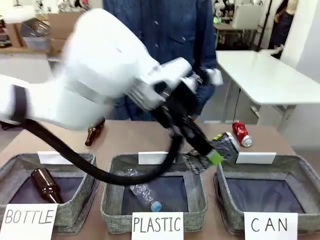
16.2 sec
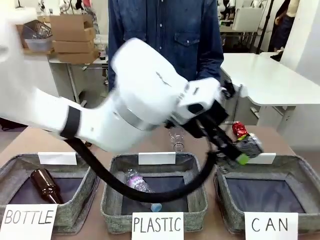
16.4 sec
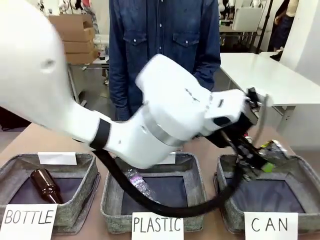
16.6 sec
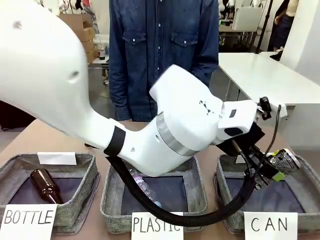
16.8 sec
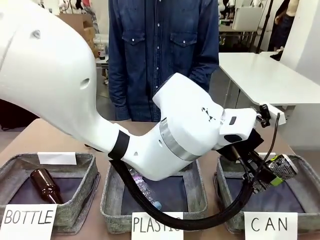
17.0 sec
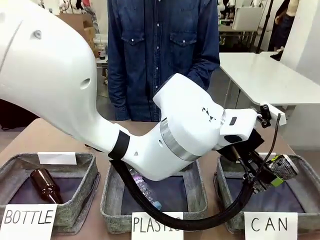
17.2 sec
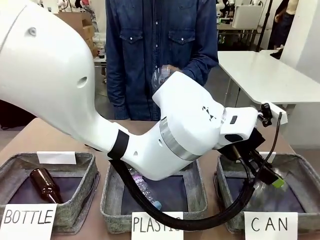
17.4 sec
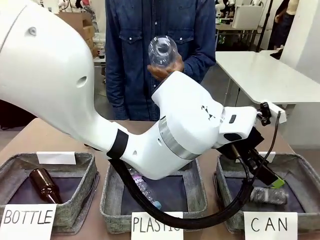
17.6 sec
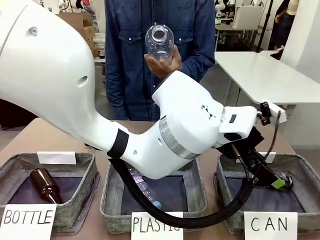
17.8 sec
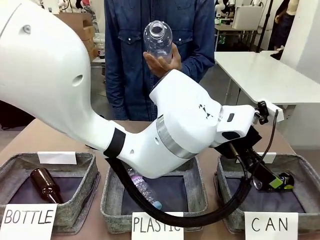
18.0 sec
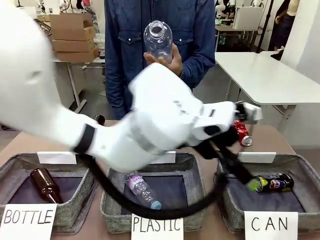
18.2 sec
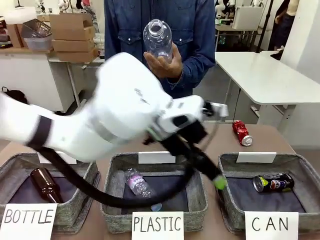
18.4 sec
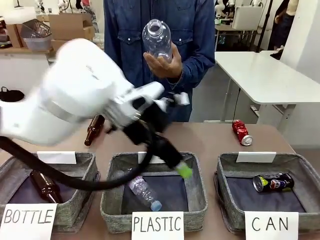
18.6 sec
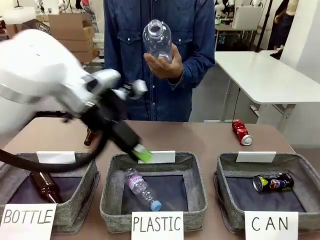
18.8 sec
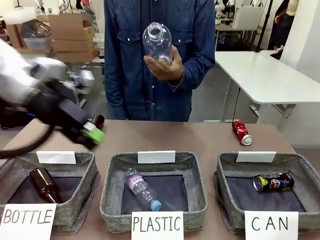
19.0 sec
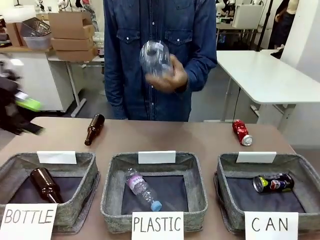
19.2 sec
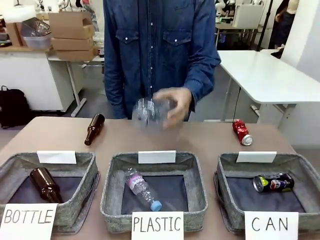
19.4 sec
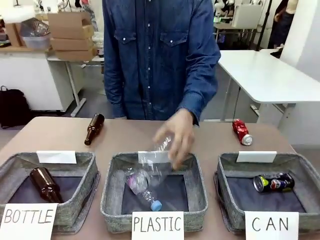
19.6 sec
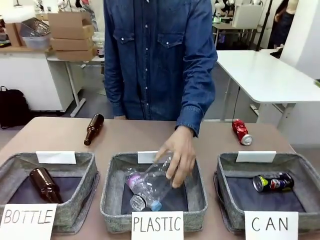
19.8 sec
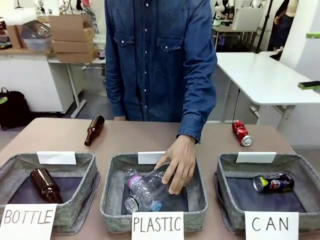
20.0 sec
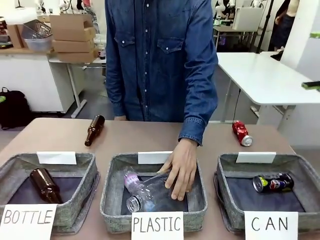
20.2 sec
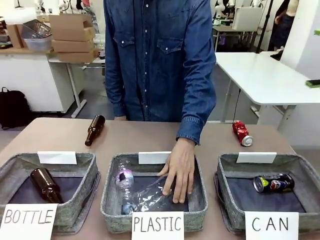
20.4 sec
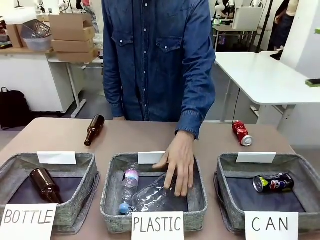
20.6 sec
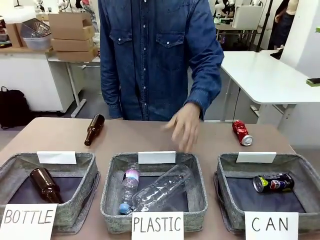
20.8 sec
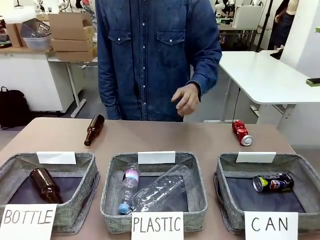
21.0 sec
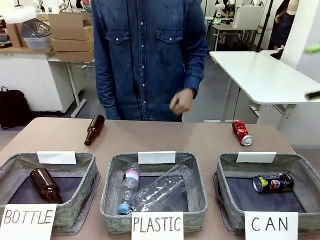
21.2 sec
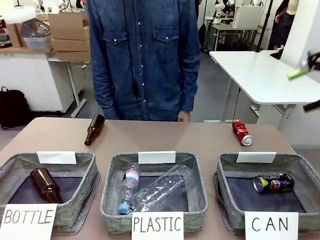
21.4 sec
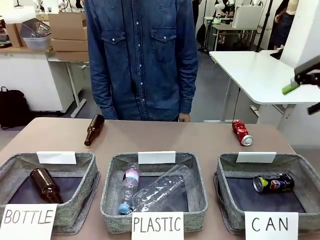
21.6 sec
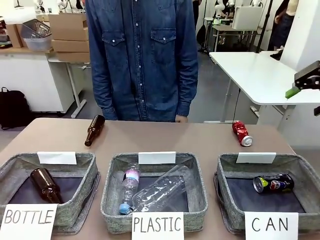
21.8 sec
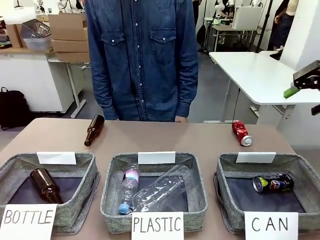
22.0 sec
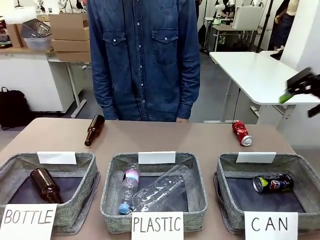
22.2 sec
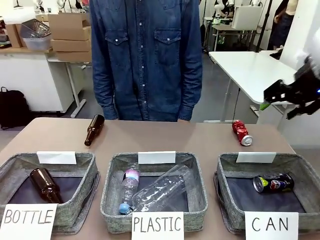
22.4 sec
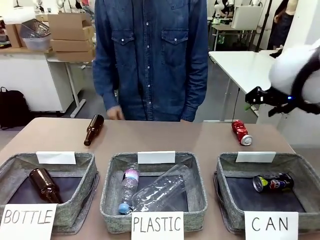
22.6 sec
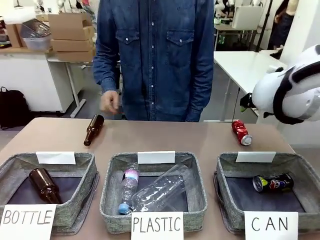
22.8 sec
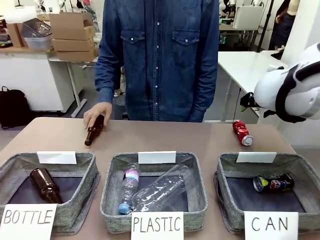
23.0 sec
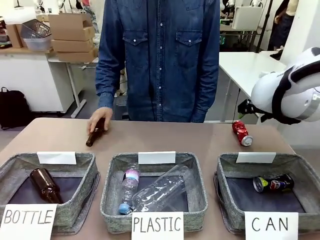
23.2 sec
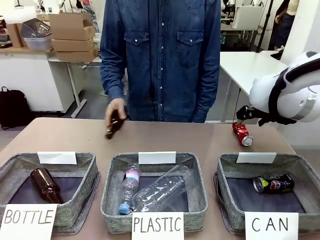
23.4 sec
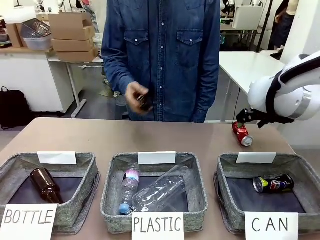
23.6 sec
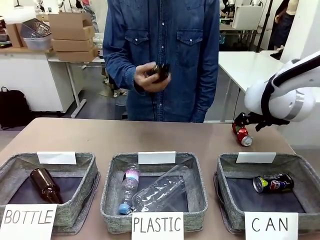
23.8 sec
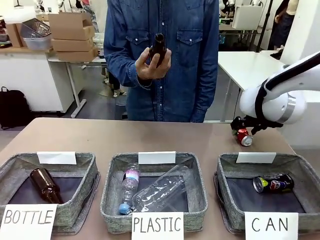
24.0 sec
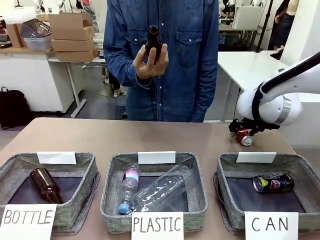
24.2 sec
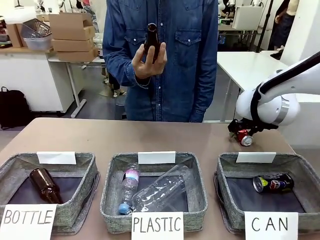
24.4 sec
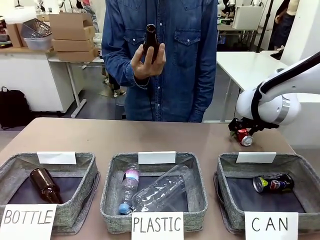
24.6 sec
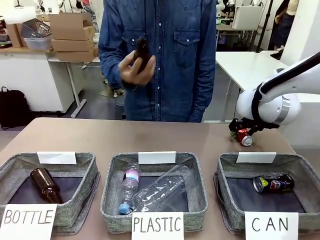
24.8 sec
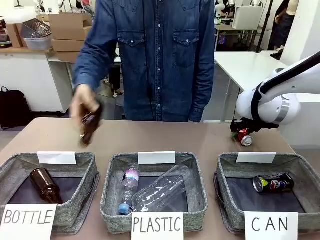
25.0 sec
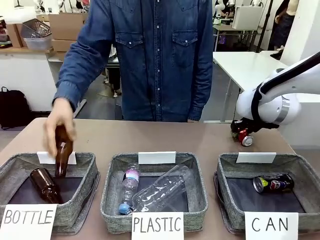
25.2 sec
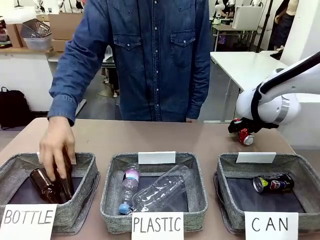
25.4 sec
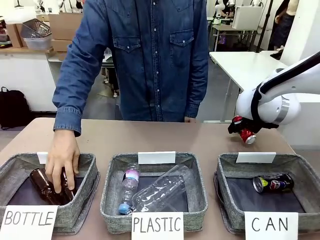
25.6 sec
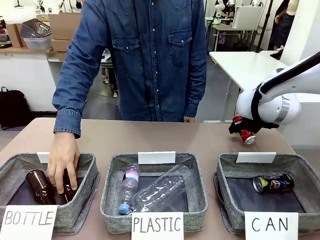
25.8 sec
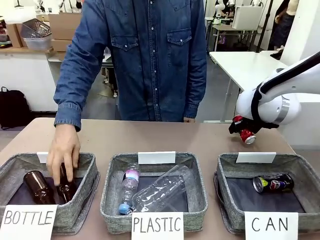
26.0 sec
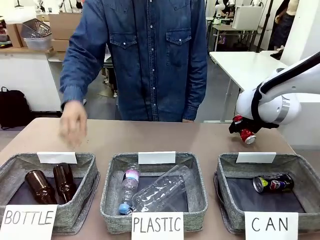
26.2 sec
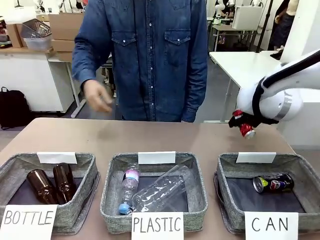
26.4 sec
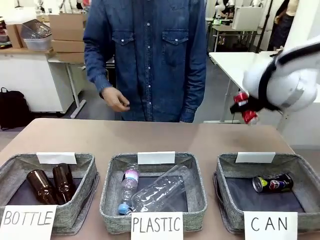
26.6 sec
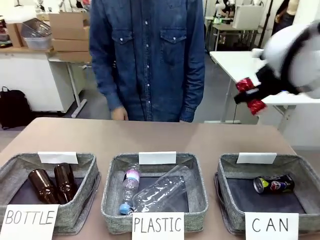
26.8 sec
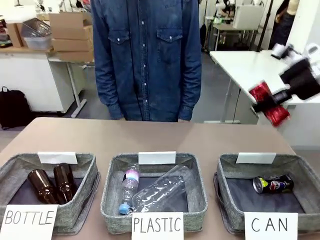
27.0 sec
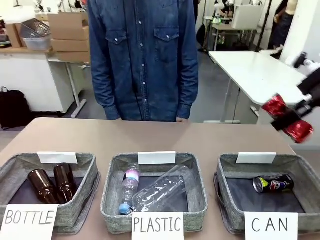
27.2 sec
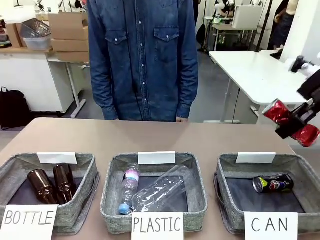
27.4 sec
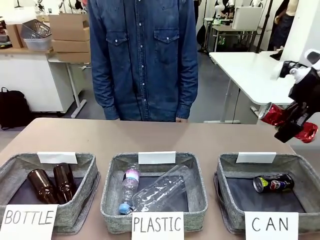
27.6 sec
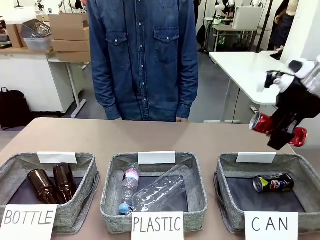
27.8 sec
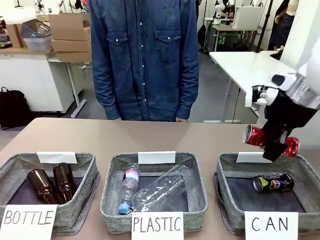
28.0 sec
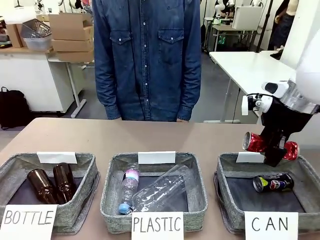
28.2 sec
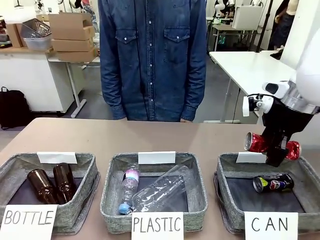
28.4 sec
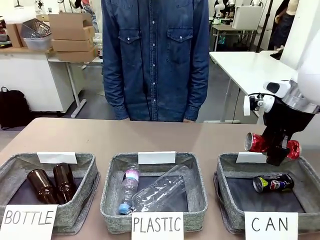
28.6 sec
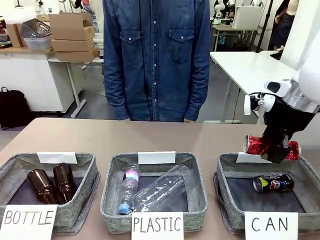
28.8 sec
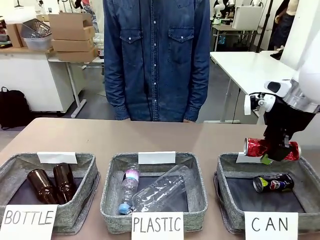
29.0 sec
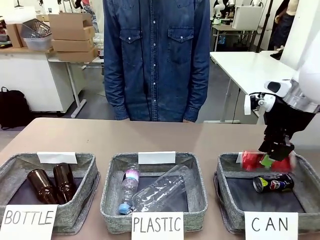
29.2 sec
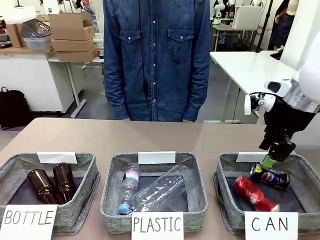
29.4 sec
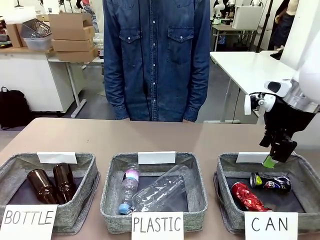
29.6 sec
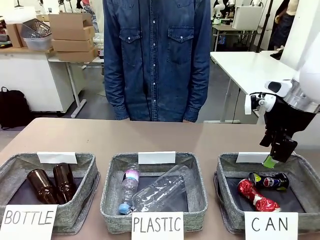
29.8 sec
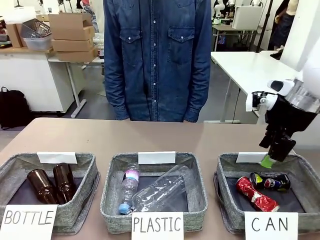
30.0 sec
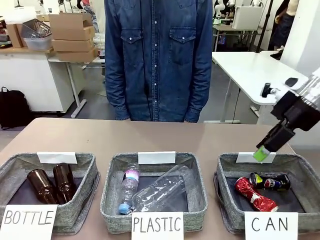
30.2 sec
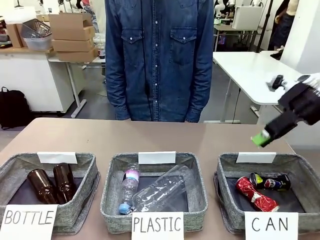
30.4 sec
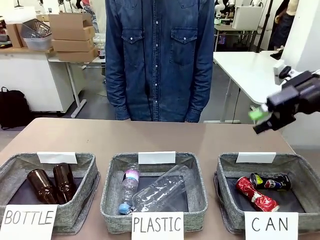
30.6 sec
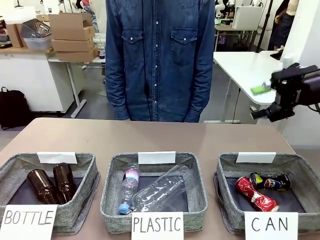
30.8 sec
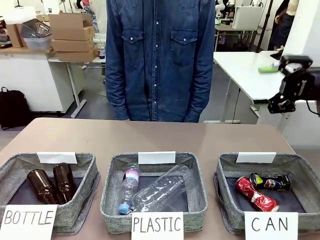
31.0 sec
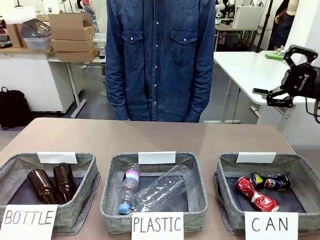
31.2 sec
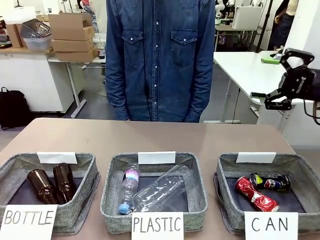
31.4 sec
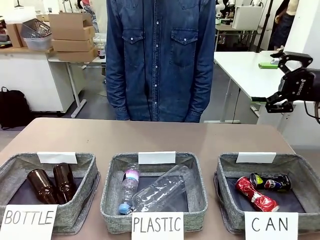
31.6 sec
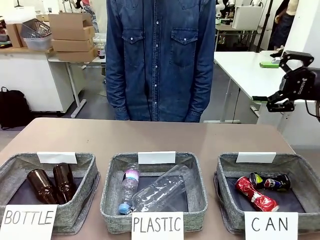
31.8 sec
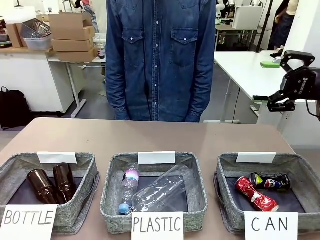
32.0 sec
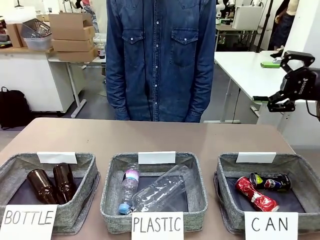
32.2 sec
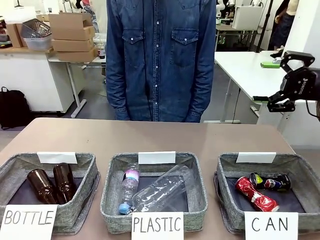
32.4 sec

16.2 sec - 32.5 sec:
Task: Sort the can waste into the basket.
Robot: Pick up the can waste from the table and place it in the right Fabric basket.
Person: The human picks up one piece of trash that is not a can and places the trash into the appropriate organizing basket.
